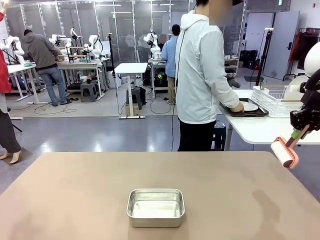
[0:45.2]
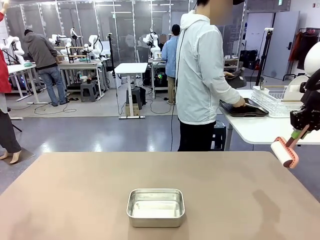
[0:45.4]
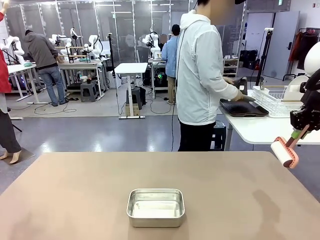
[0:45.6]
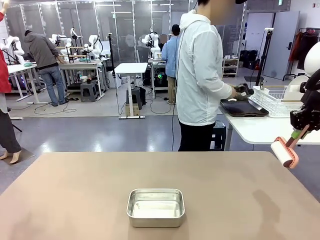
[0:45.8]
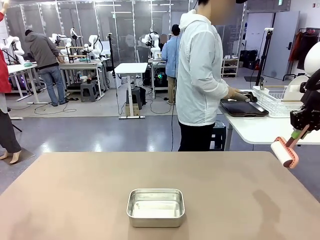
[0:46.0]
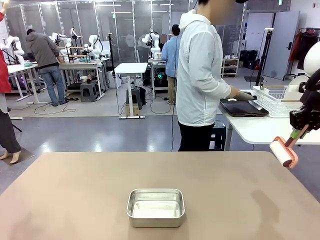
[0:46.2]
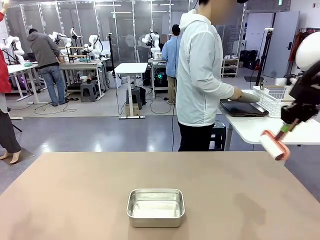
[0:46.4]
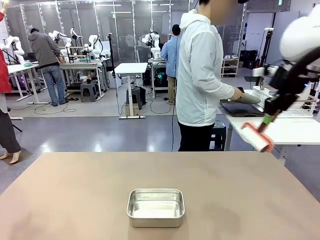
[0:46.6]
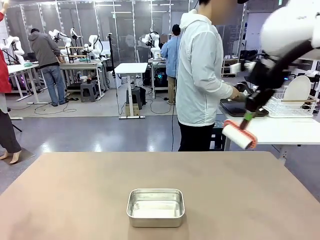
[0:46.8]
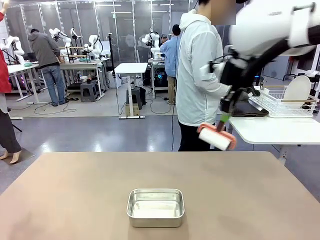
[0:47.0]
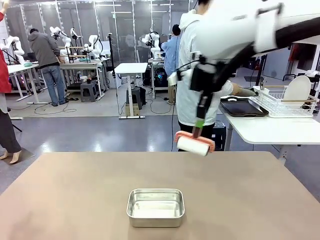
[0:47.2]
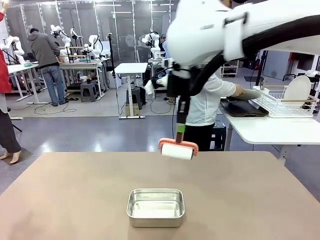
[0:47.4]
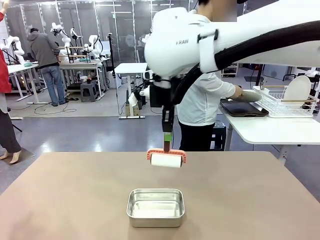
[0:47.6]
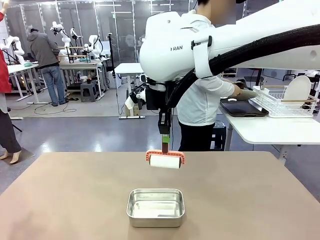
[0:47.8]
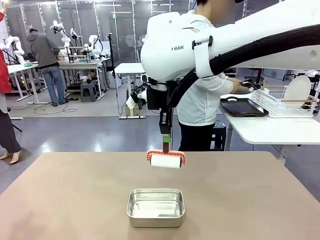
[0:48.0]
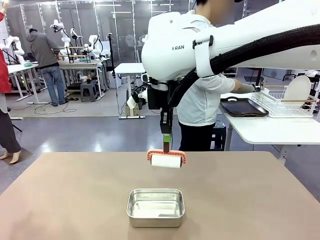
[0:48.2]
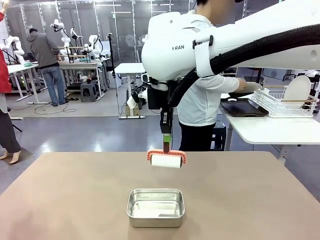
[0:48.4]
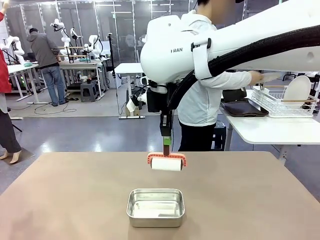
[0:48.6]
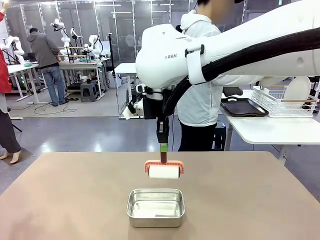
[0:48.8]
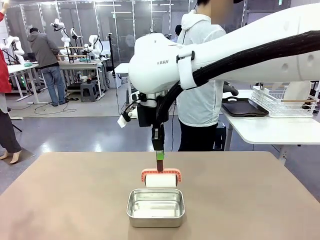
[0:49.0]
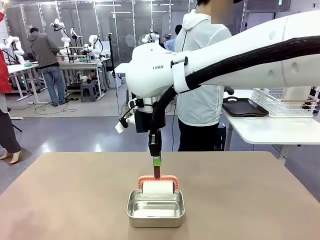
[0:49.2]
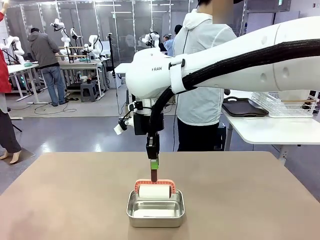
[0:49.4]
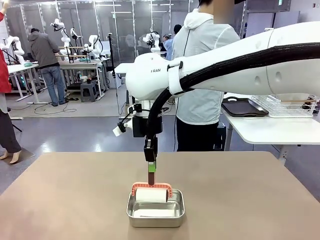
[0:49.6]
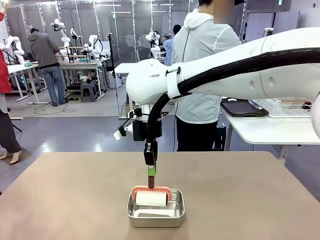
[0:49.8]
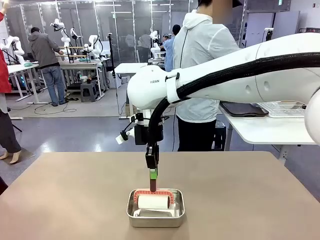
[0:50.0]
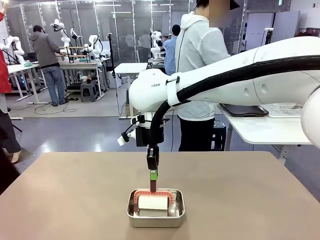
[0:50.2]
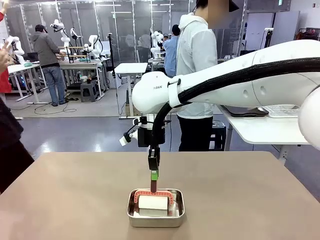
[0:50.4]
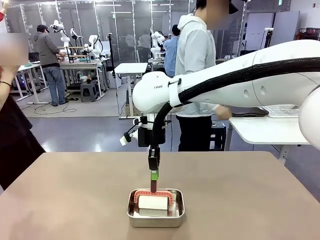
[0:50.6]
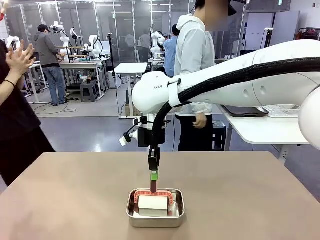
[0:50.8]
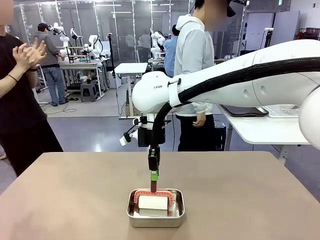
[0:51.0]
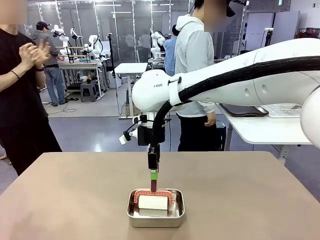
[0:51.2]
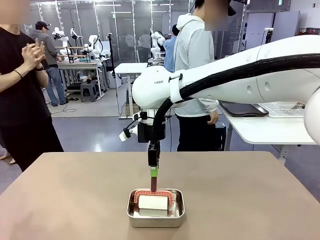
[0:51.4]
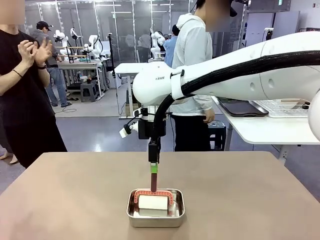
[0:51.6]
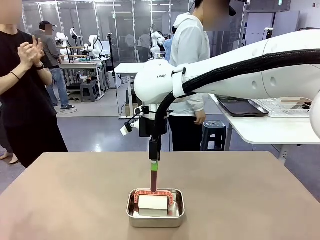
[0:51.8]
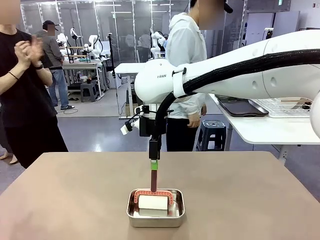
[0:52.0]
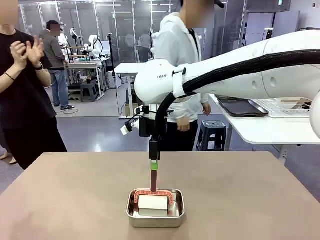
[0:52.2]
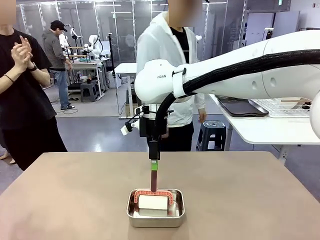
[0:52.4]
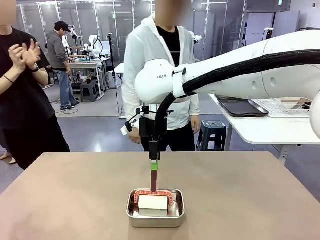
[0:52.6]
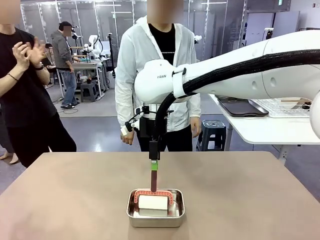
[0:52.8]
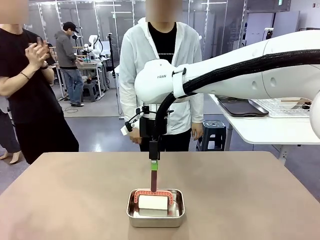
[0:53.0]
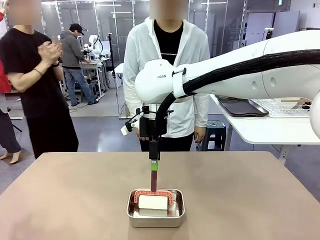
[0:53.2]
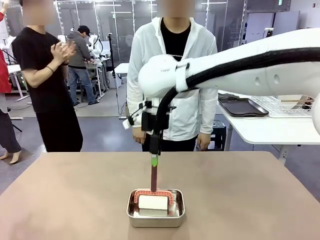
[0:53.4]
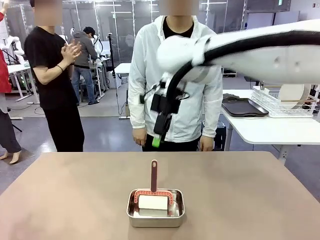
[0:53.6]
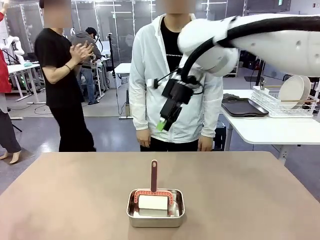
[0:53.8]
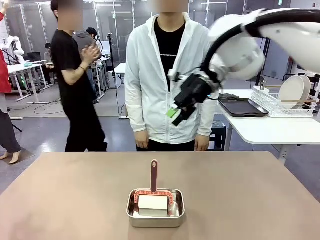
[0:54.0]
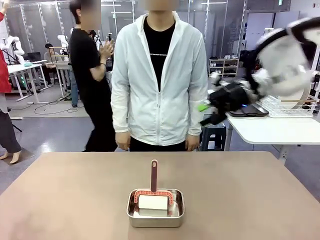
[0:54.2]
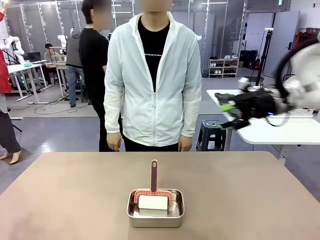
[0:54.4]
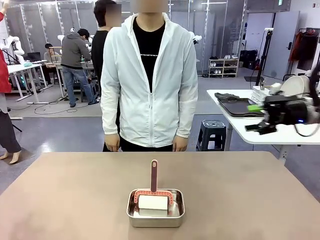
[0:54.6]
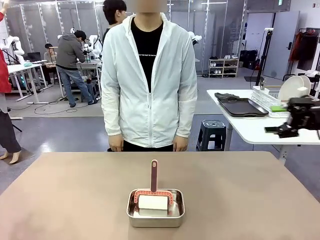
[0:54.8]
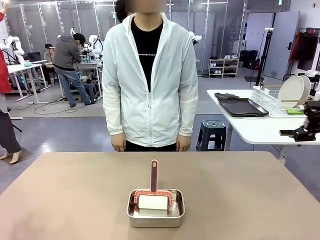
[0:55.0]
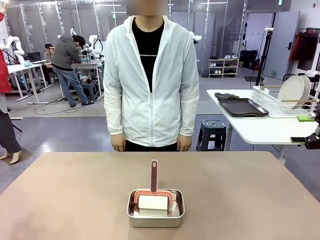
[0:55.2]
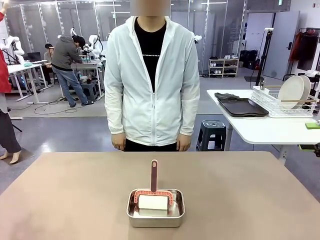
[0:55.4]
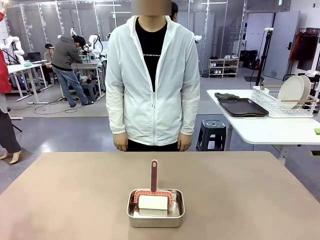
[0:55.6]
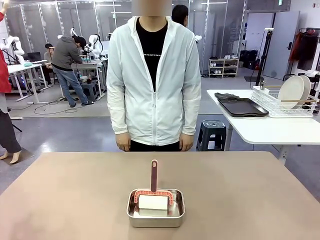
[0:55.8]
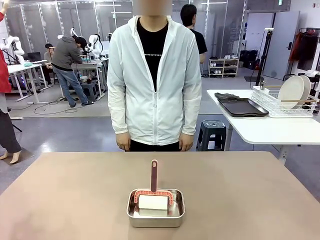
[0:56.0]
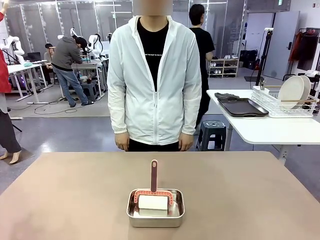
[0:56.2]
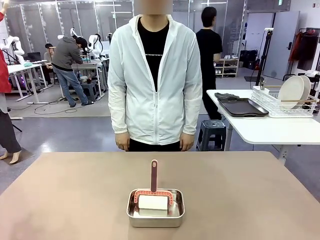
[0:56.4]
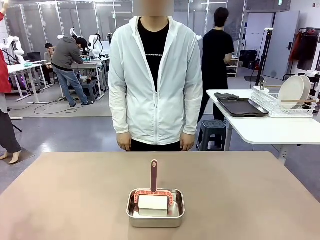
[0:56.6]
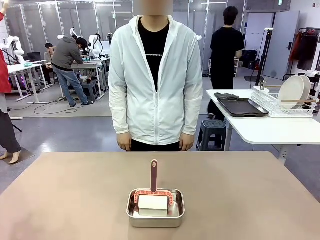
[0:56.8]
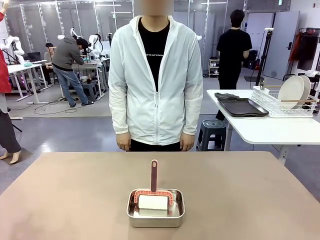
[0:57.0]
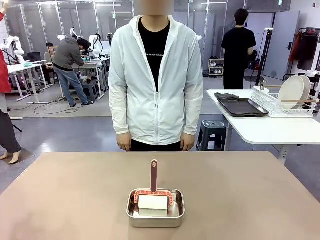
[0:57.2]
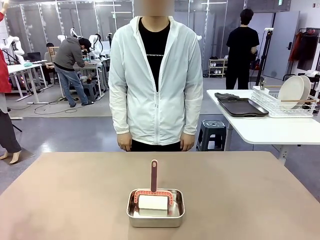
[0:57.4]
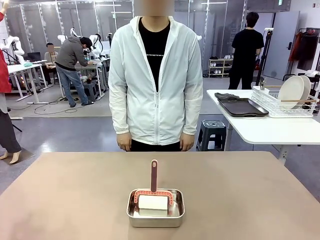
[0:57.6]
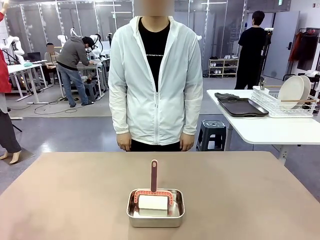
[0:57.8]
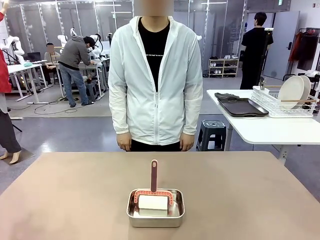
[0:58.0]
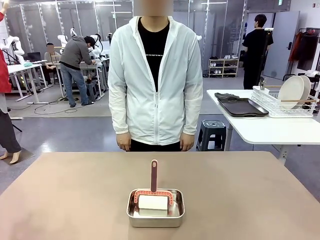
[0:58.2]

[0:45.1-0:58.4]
Robot: Place the Lint Roller back on top of the Airtight Container.
Person: Use the Towel with hook to wipe the Plastic Matte Plate , Fork , and Knife and place into the Dish drying rack.
